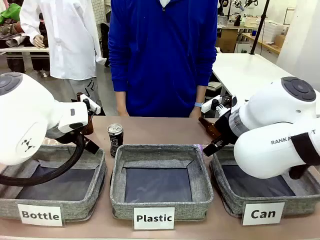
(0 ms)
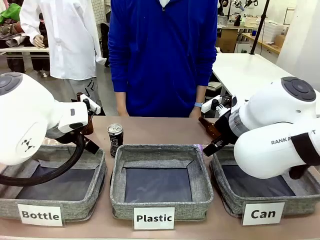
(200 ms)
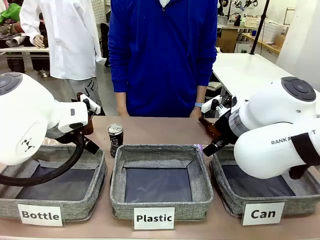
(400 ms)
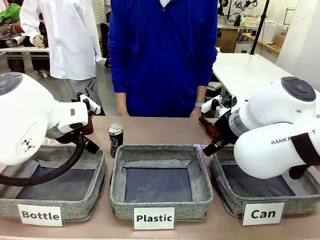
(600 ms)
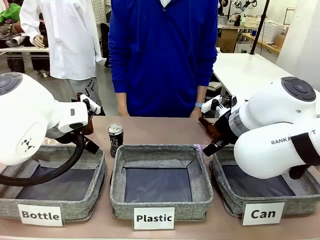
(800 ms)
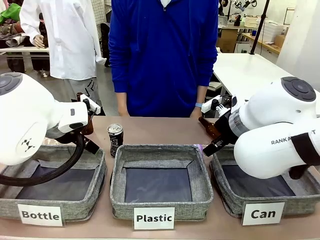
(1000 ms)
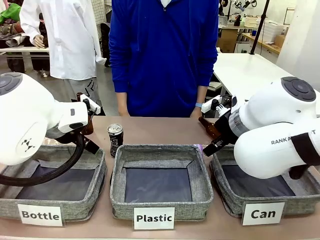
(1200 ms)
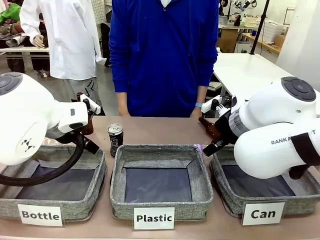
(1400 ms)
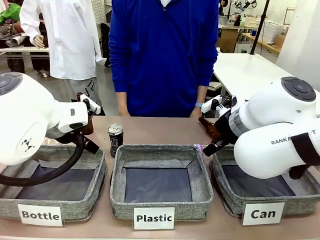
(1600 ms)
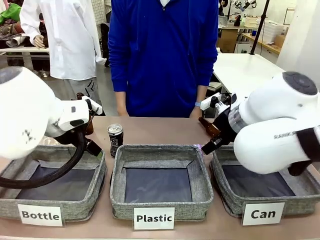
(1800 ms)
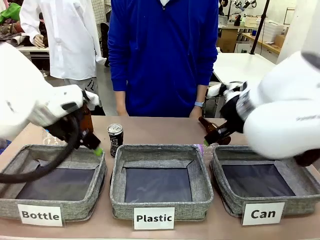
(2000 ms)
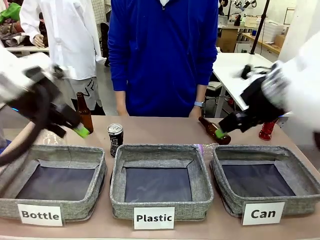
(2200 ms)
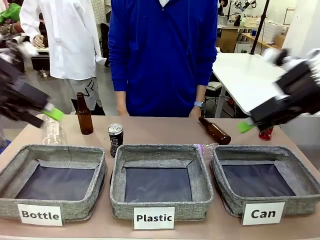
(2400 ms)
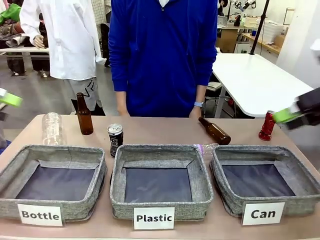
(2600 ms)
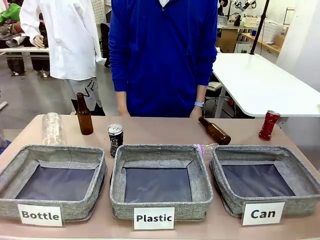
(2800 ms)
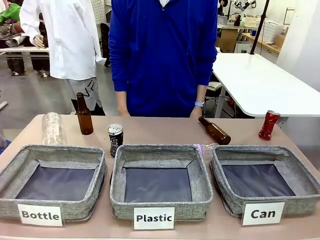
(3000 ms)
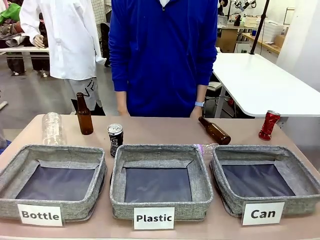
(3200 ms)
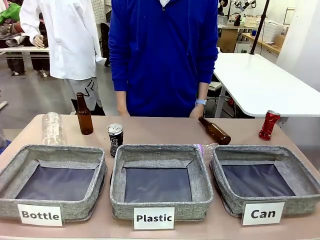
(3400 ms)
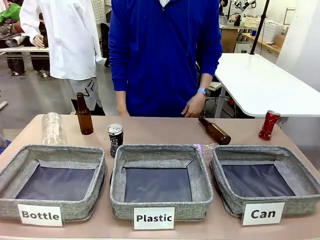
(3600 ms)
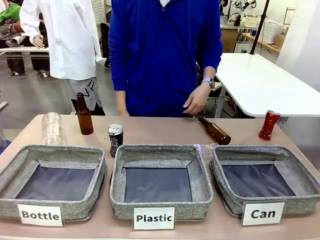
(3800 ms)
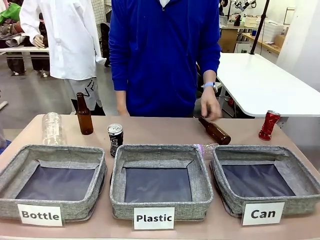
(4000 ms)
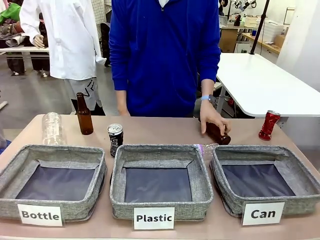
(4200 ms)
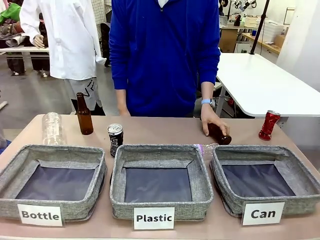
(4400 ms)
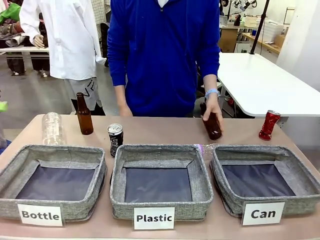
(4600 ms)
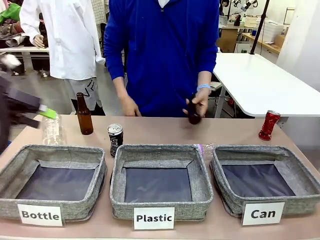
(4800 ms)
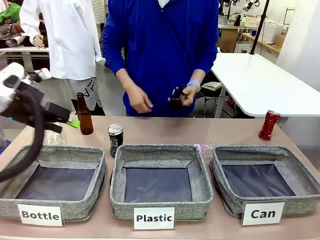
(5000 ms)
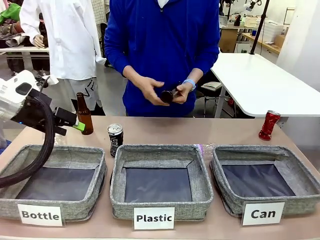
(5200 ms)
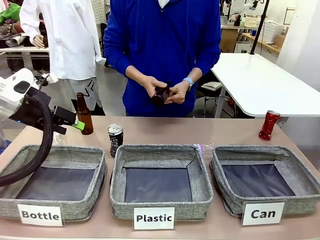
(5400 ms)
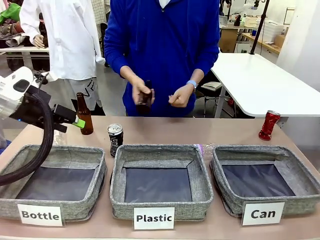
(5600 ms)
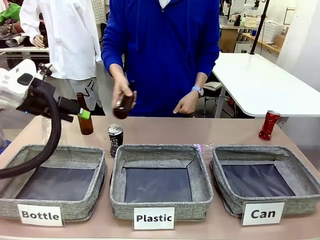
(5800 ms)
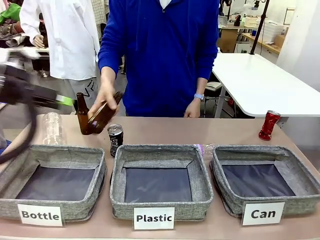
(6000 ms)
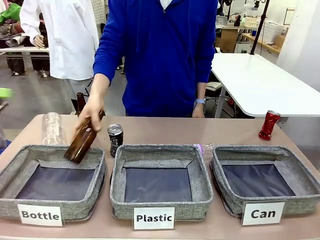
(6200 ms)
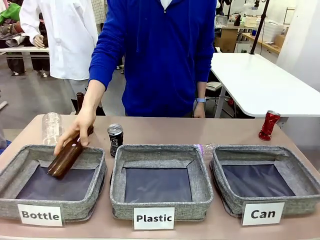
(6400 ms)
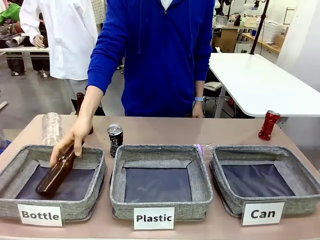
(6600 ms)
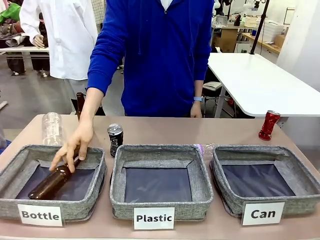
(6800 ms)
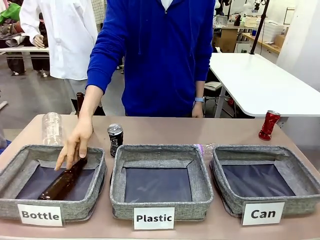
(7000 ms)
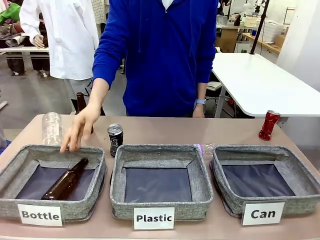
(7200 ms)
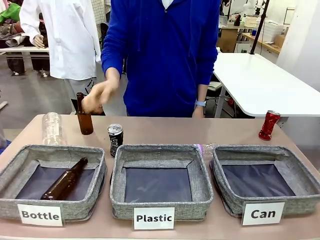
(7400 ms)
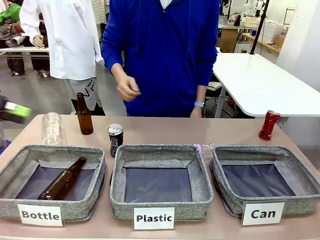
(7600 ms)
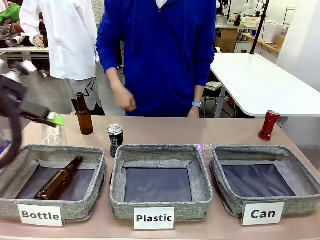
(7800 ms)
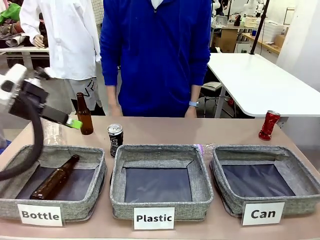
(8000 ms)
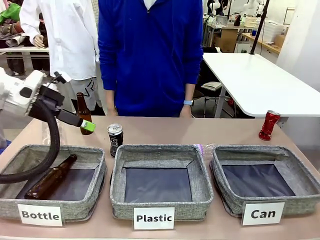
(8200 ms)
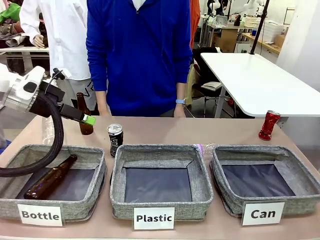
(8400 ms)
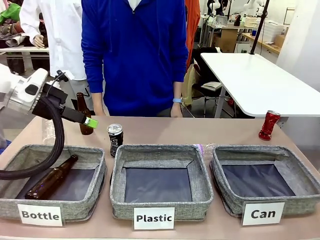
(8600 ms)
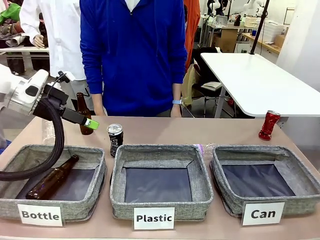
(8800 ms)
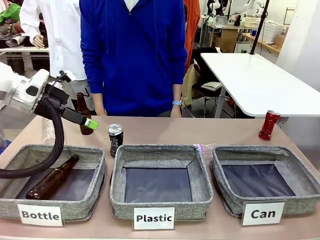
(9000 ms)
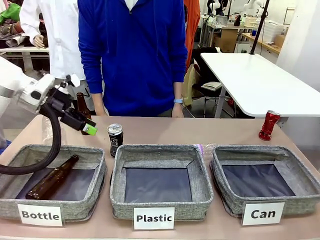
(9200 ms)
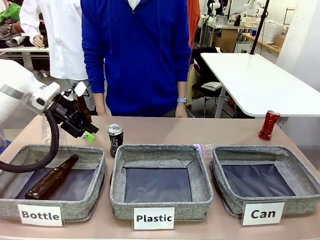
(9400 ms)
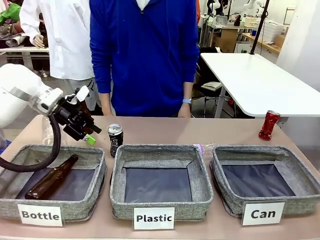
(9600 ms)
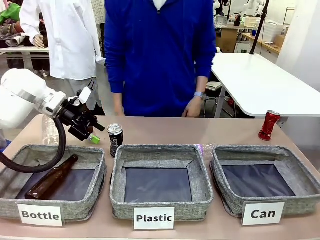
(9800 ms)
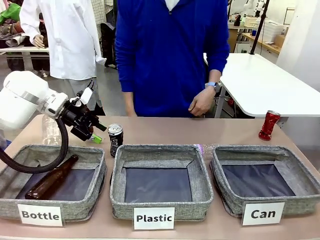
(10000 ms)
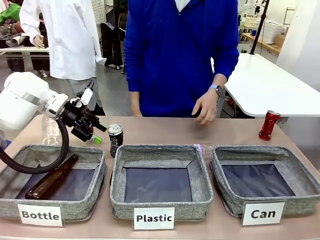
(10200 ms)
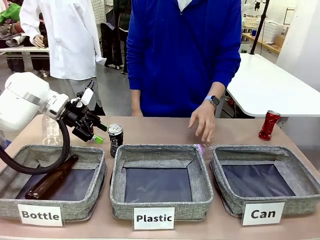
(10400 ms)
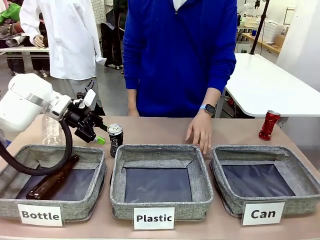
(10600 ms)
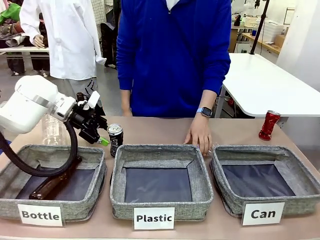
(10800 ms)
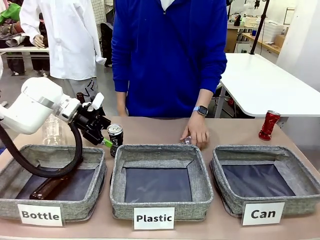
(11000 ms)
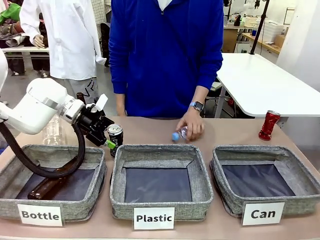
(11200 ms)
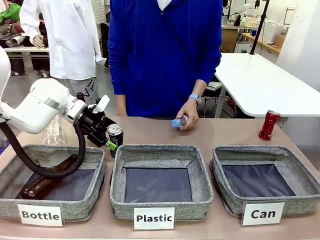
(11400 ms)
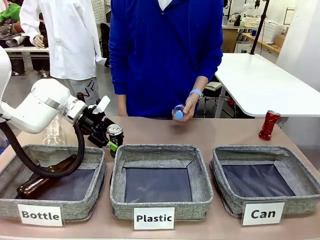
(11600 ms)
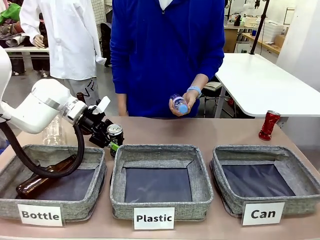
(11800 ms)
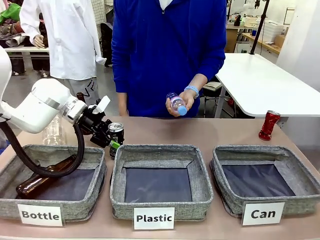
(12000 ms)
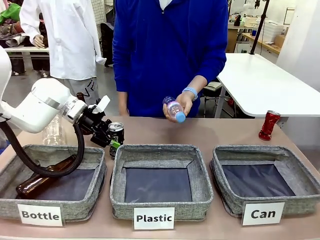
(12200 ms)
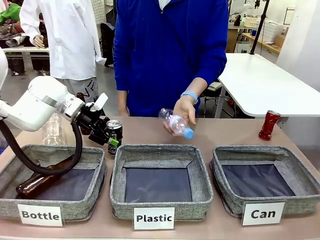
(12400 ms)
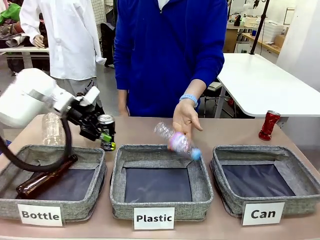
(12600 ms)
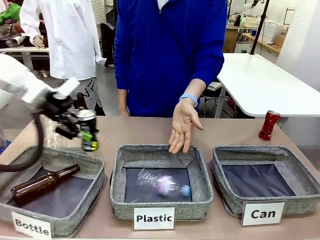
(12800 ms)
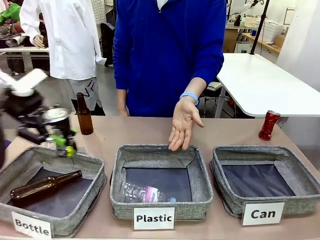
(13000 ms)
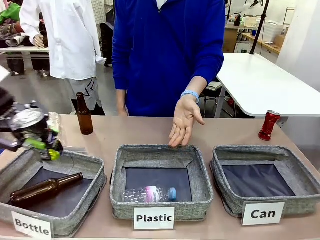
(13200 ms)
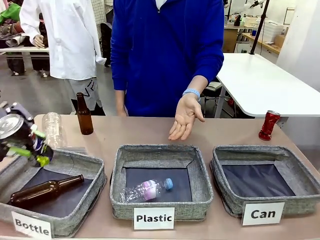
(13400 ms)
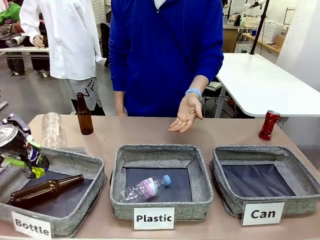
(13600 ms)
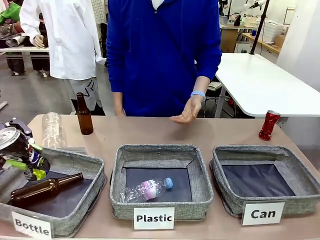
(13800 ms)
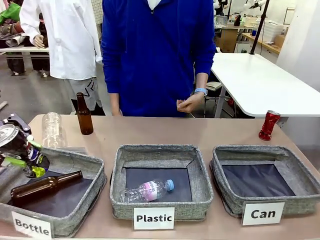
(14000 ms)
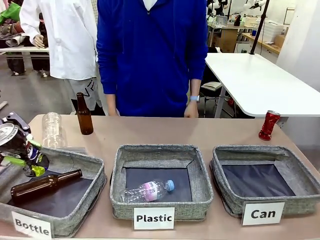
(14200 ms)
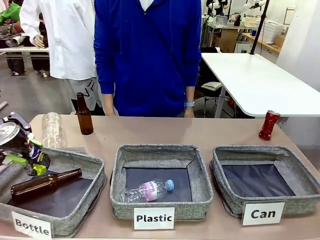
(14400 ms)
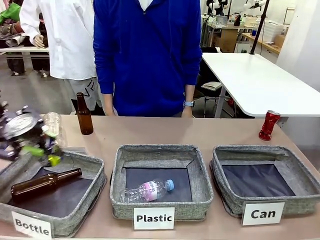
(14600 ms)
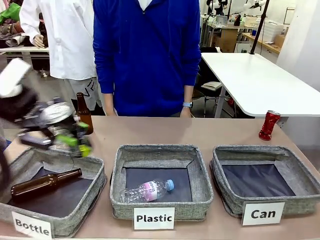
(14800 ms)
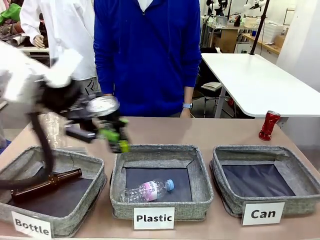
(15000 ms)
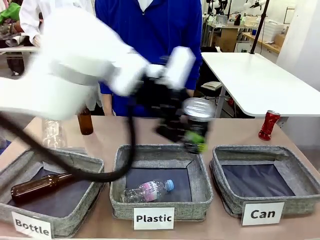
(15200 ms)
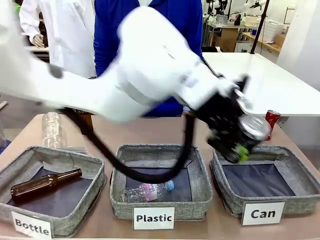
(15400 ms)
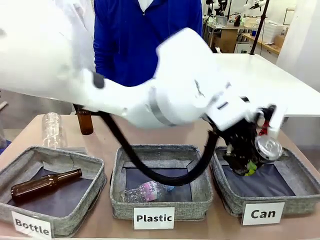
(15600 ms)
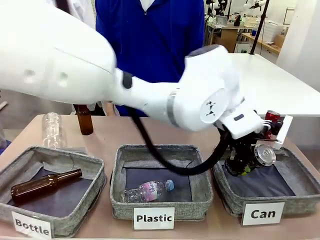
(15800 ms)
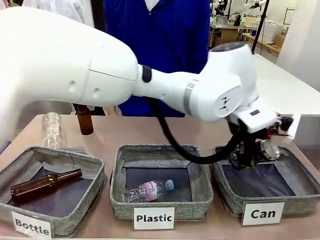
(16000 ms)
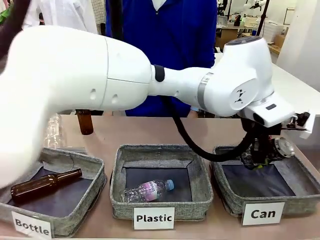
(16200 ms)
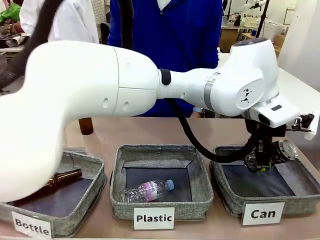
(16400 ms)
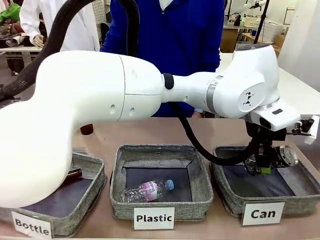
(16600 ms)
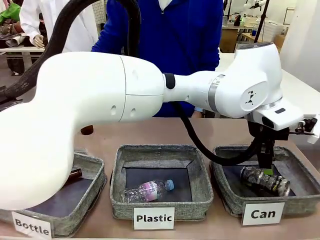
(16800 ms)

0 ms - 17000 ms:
Task: Sort the can waste into the basket.
Robot: Pick up the can waste from the table and place it in the right Fabric basket.
